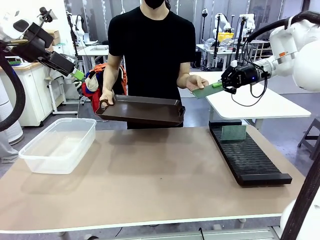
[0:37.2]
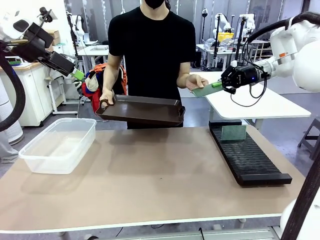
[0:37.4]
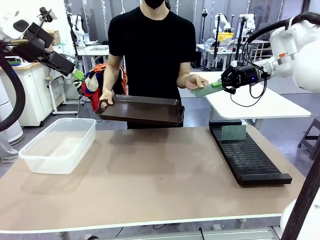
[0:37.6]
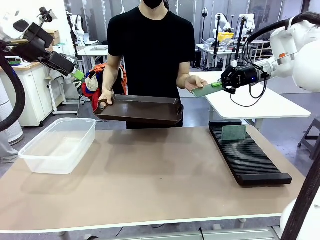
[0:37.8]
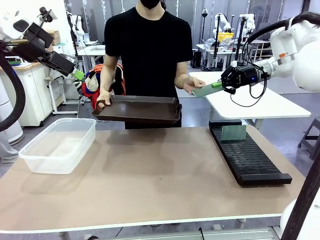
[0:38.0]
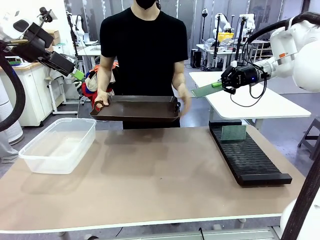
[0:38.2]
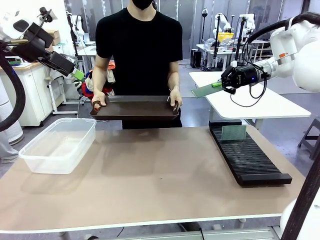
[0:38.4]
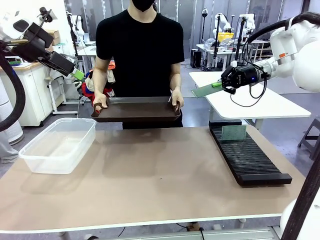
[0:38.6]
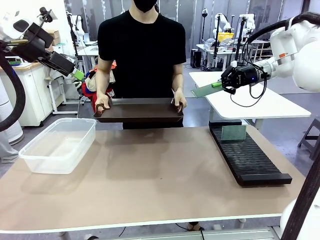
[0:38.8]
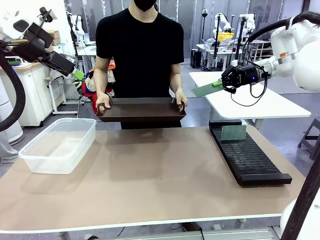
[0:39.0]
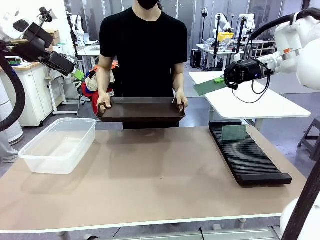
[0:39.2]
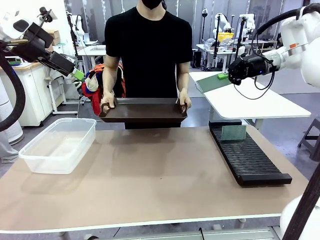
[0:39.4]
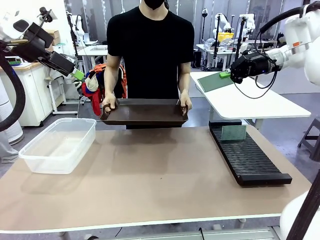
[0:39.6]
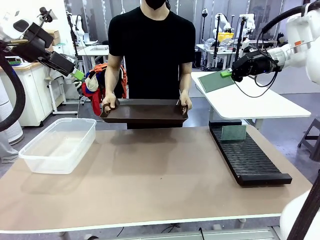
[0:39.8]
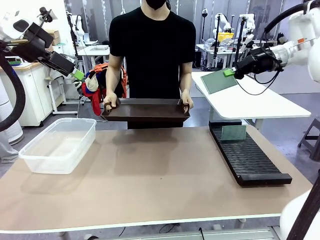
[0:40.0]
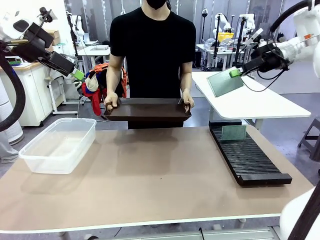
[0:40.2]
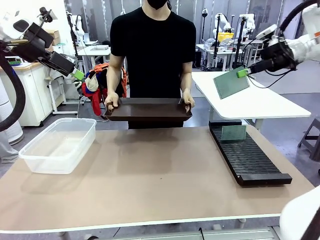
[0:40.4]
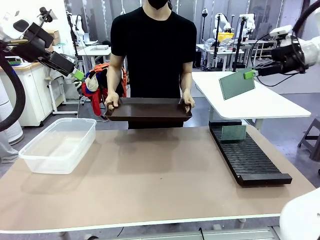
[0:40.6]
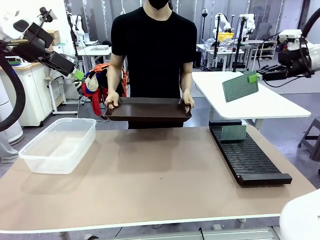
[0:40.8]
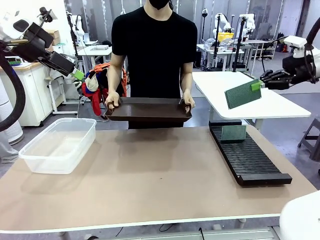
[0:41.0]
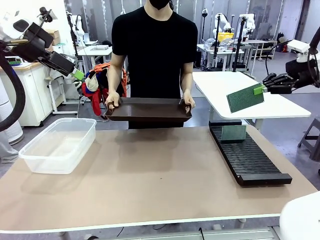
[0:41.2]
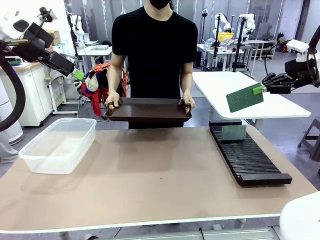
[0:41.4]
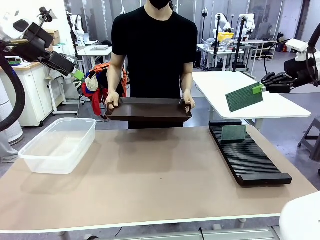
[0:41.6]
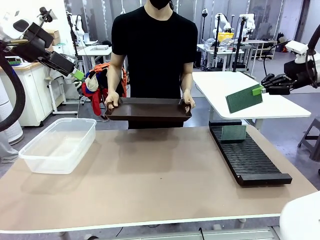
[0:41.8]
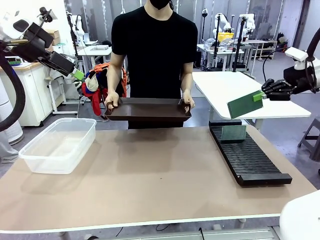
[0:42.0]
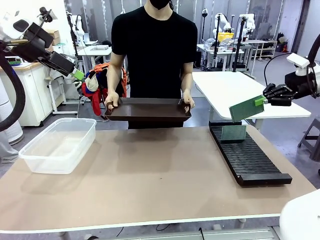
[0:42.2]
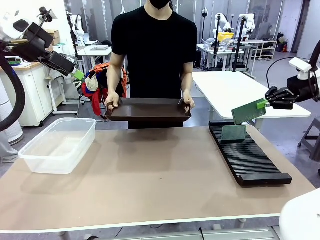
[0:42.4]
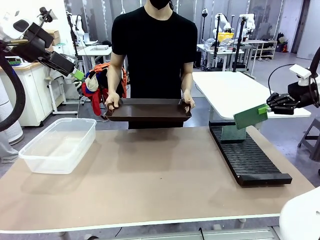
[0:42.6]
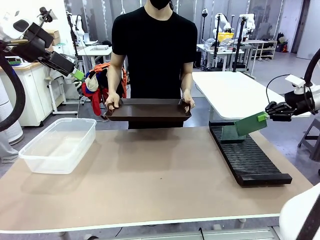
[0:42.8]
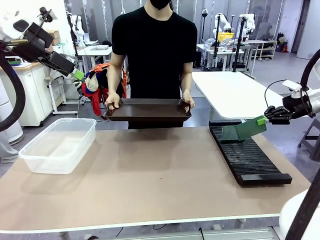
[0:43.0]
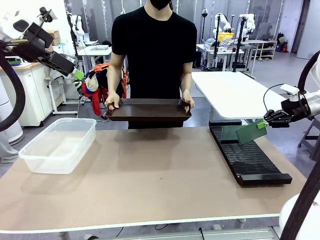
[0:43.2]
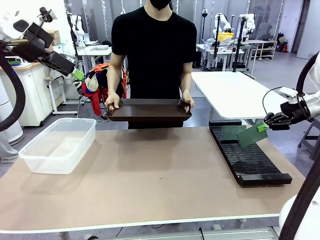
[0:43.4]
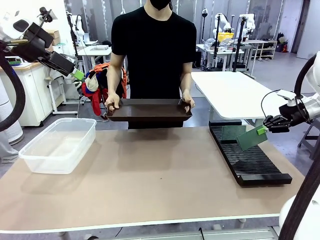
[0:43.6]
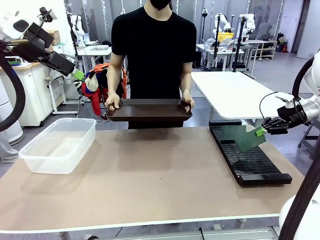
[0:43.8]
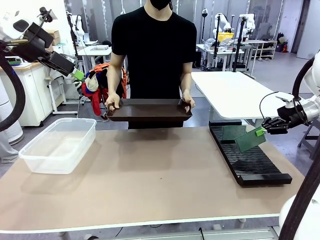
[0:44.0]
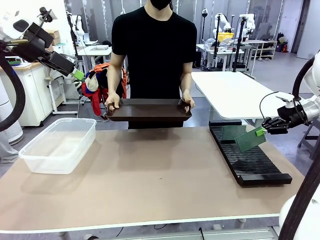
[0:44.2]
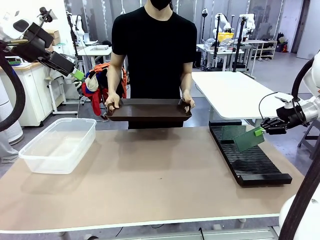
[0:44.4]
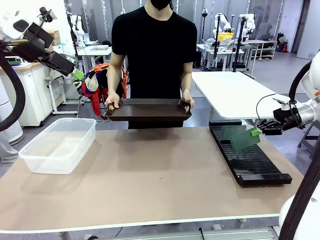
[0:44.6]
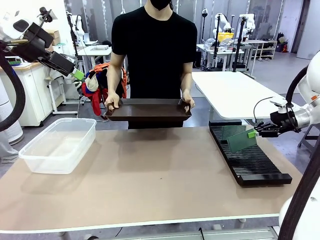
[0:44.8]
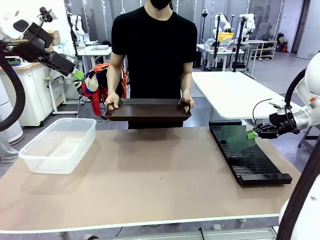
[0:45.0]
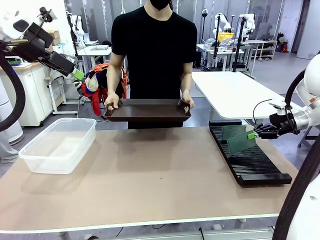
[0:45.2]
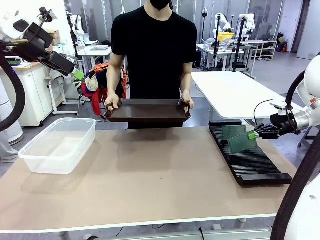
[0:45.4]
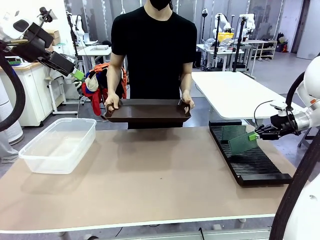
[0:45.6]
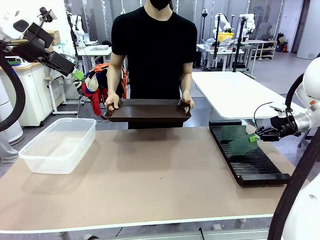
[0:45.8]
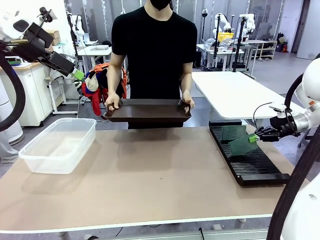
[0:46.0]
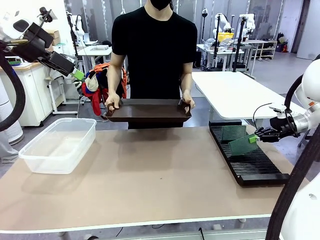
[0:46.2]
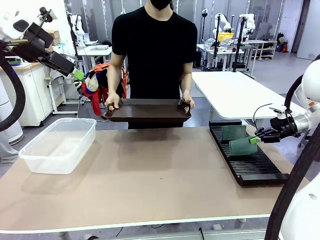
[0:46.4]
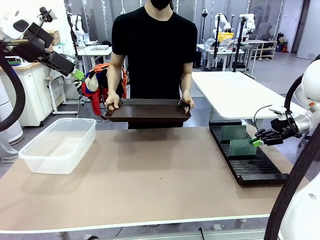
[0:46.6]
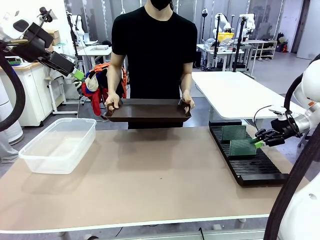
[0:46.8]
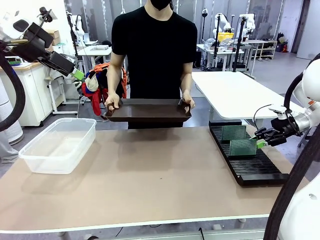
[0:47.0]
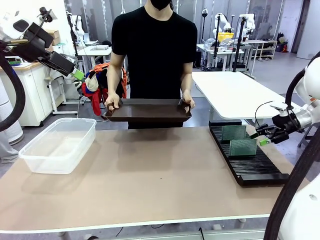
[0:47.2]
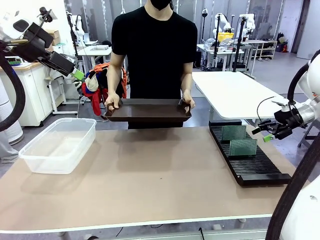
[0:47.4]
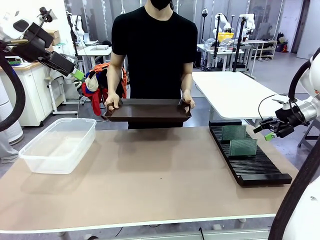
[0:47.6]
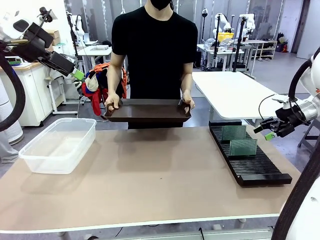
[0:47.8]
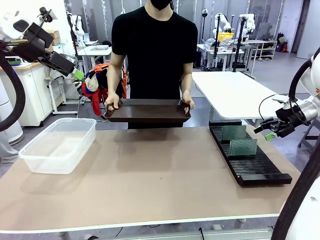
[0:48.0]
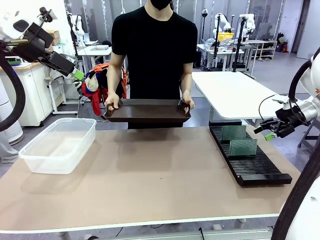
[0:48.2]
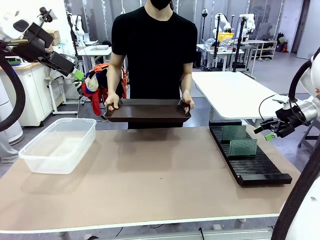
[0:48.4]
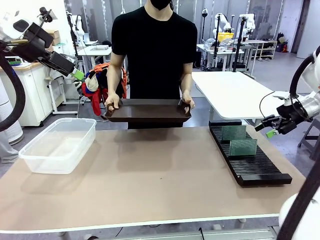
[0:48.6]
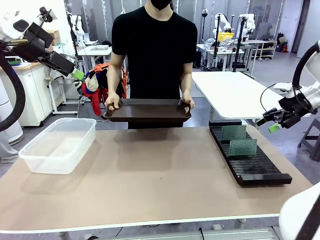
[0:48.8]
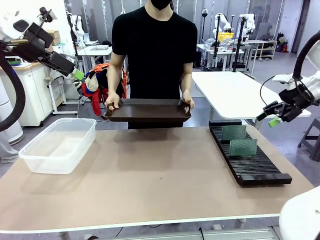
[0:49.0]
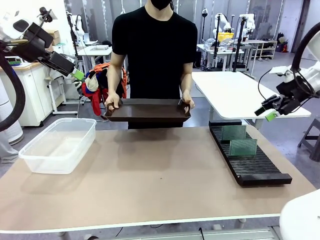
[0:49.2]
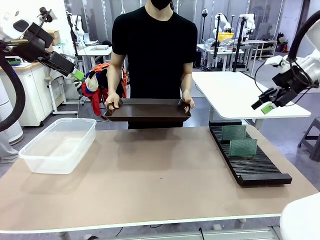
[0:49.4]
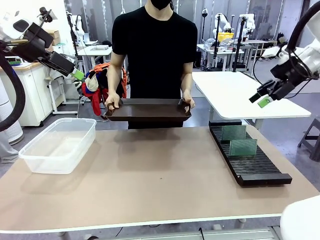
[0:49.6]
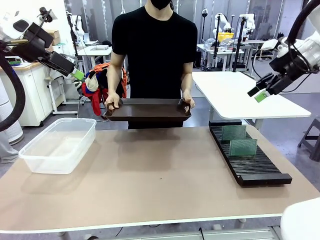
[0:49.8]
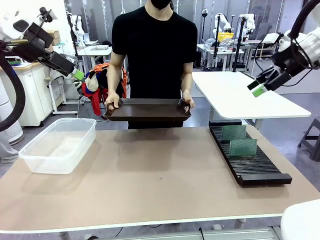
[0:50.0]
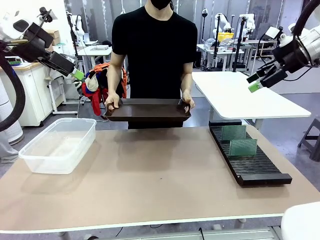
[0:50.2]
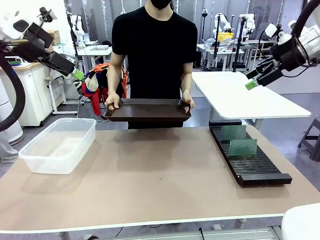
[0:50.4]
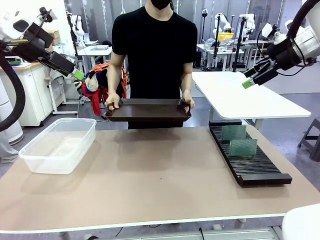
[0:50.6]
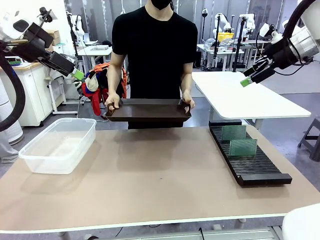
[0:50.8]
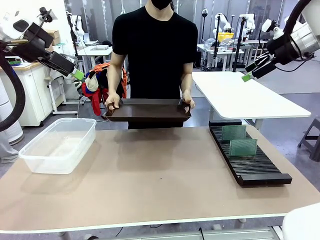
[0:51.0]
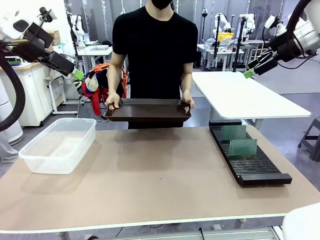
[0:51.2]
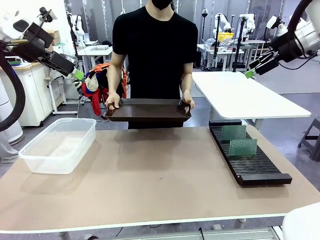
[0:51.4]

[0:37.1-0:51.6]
Task: Sort PCBs into racks and boxes based on the side picked up.
Robot: If the short side of the Blank PCB is picked up, insert it into the PCB Rack ; if the long side is picked up, place it in the Organizing box.
Person: Release the PCB being held.

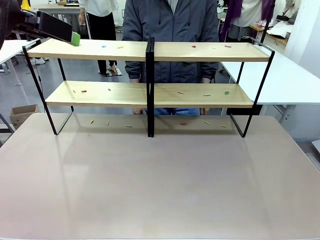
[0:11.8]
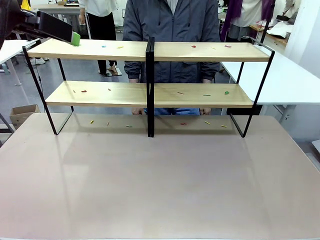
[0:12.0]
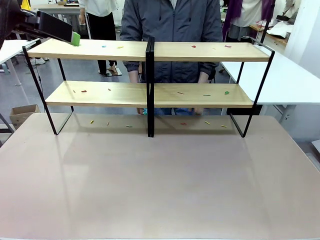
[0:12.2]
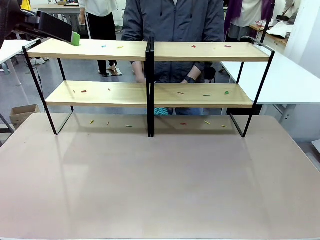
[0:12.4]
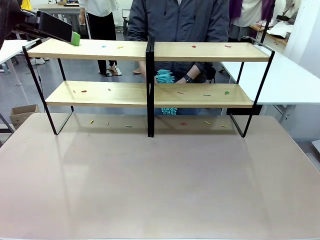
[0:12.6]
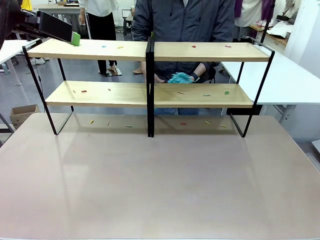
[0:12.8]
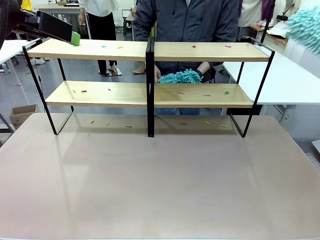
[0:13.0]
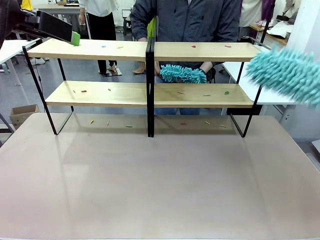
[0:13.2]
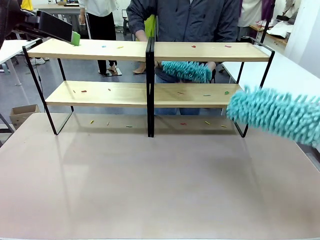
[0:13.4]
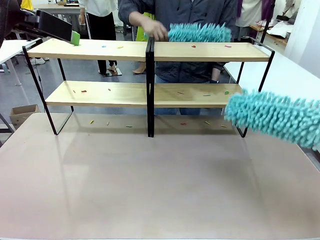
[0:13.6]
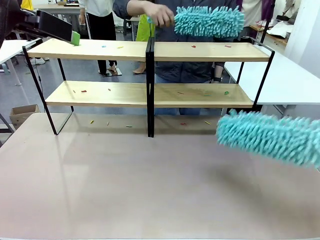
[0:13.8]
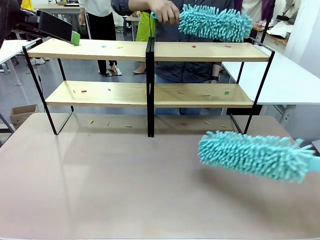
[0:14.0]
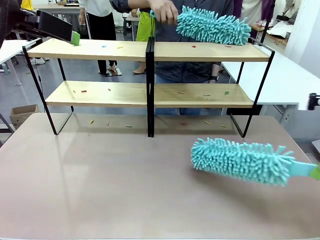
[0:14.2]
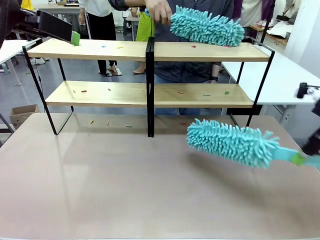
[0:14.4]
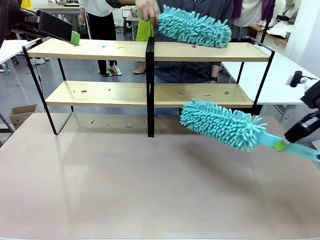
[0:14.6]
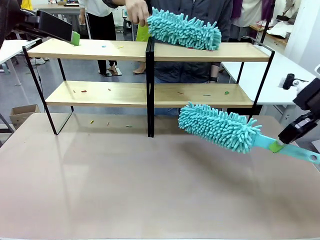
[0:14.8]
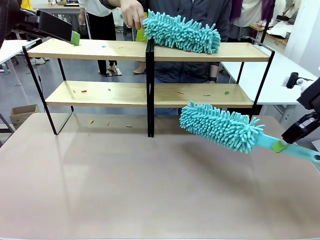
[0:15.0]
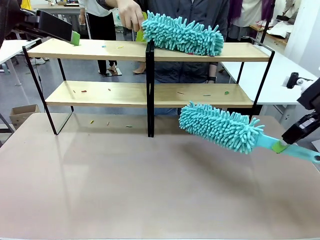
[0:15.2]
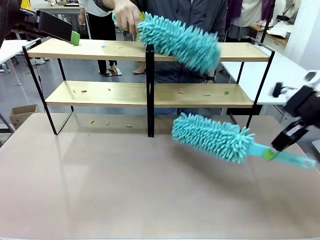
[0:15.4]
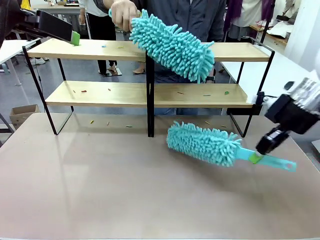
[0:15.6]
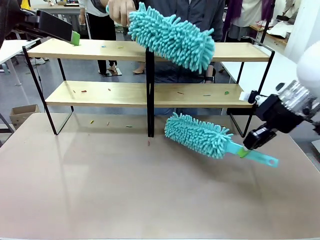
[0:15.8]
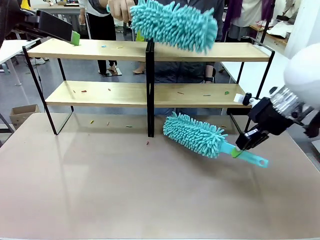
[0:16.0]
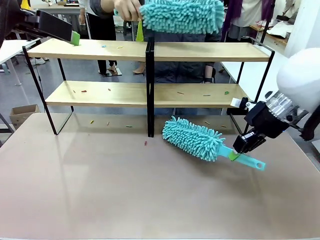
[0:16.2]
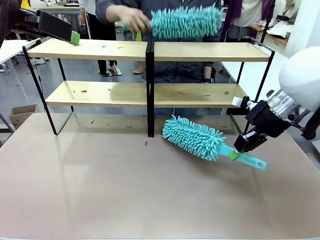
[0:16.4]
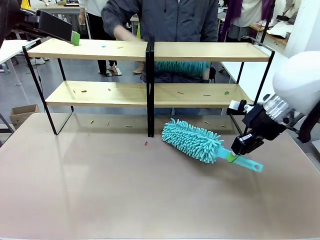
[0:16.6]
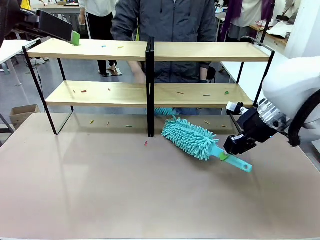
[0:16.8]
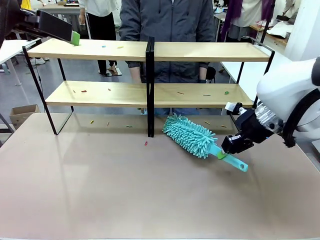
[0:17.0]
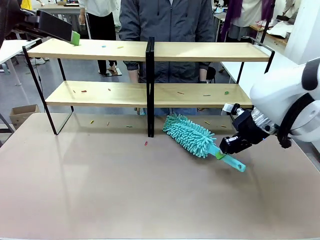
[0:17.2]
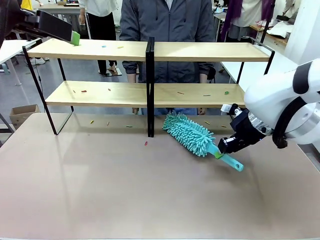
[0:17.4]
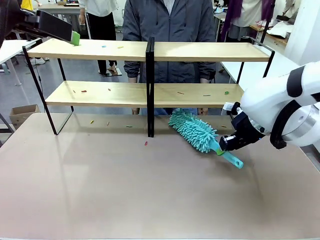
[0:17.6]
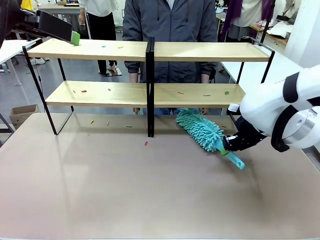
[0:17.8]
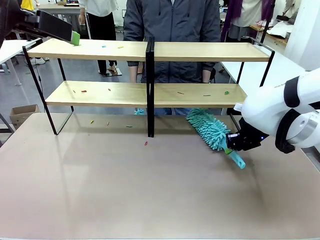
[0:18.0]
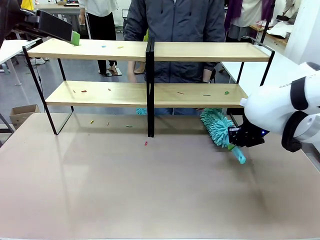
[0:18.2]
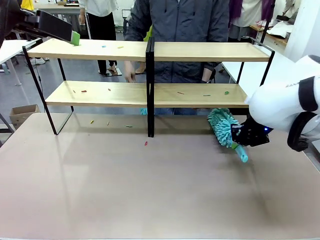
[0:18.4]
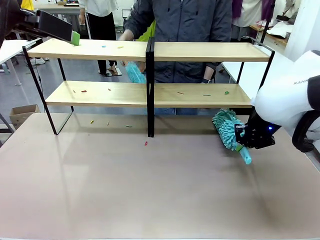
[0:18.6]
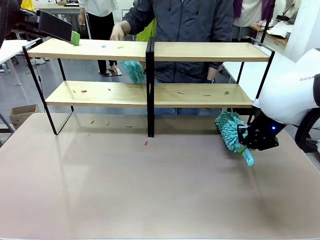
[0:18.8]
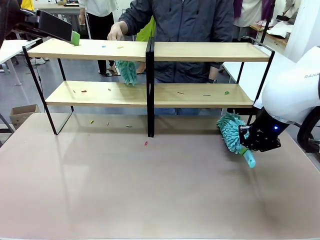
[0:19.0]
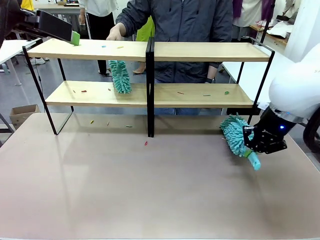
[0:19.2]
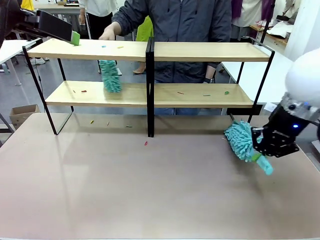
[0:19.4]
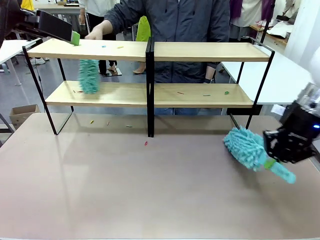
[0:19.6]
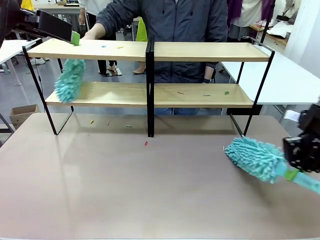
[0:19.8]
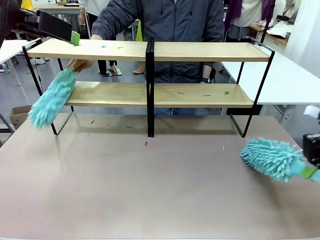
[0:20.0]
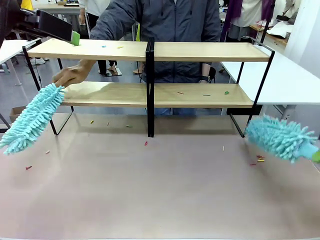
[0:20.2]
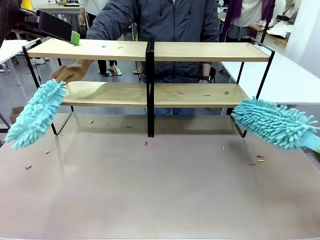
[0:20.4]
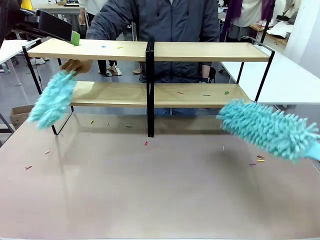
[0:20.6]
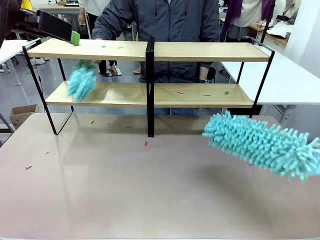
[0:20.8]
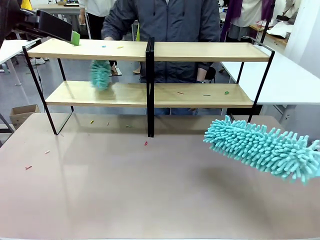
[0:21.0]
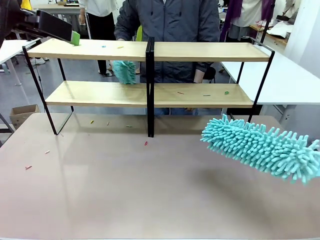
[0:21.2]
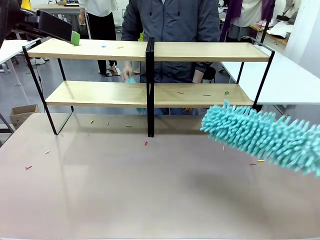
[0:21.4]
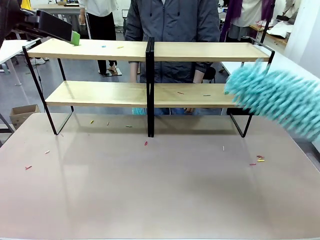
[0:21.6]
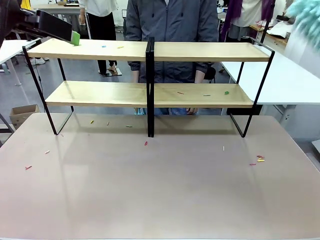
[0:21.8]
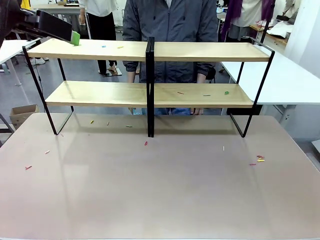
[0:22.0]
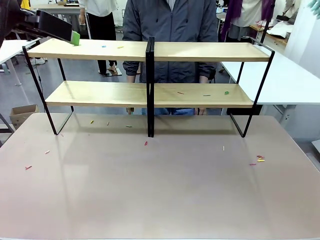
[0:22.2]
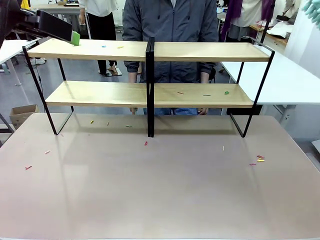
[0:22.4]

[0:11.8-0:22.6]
Task: Clean the shelves.
Robot: Clean a randomly selected level of the Shelf with the Duster.
